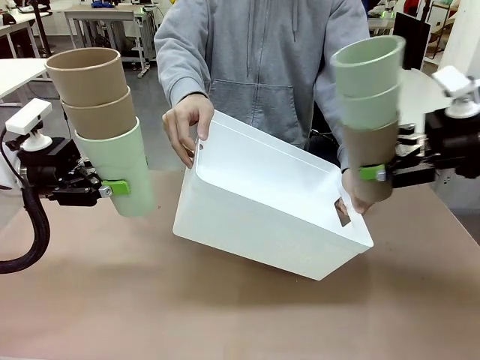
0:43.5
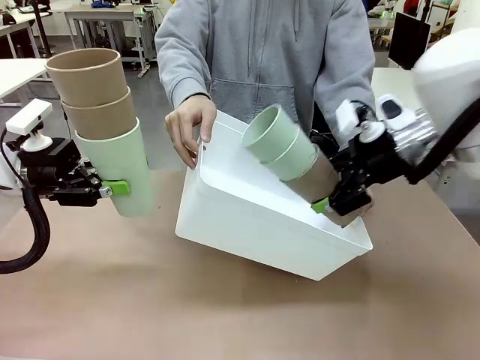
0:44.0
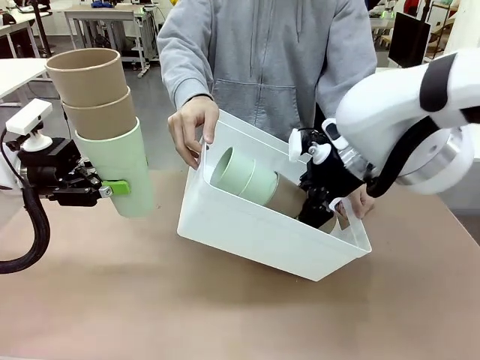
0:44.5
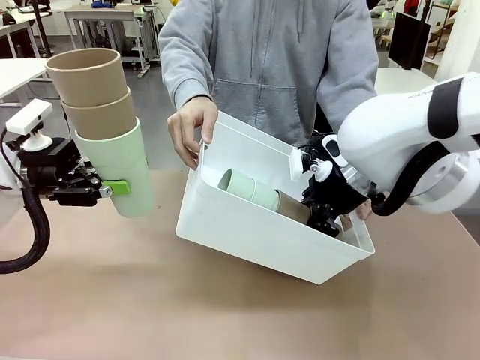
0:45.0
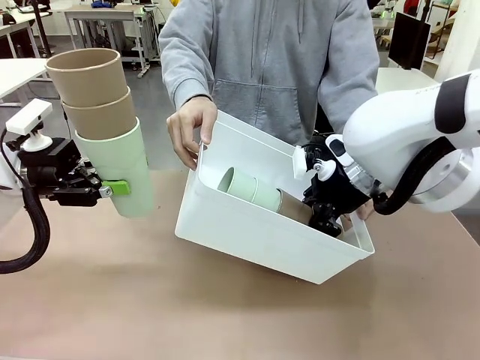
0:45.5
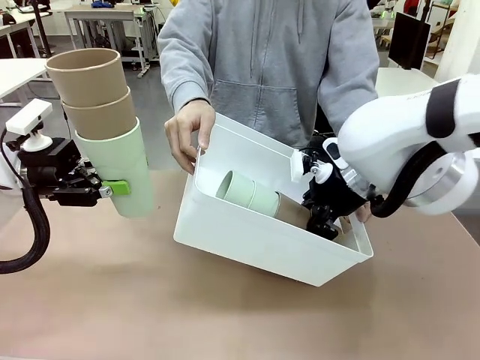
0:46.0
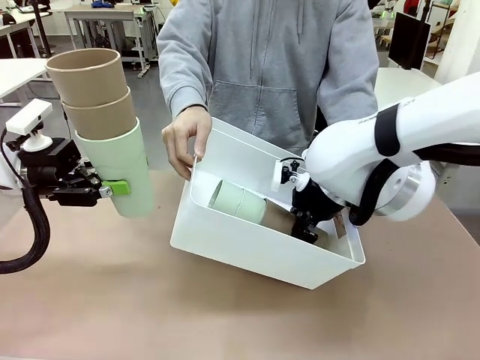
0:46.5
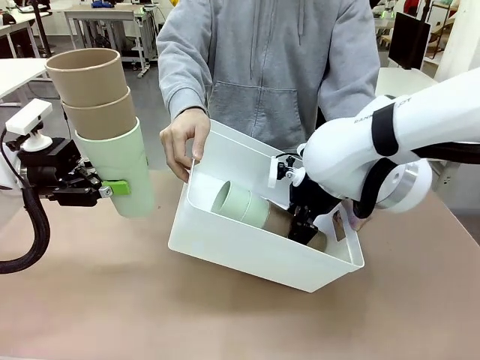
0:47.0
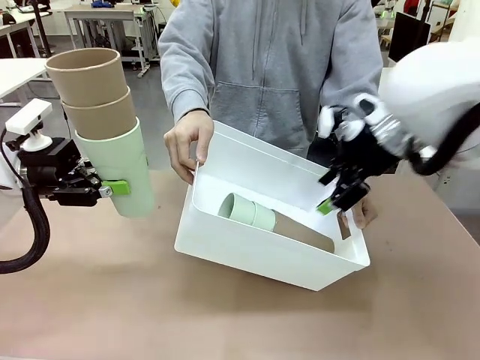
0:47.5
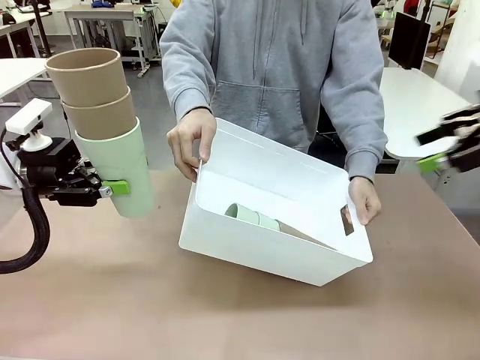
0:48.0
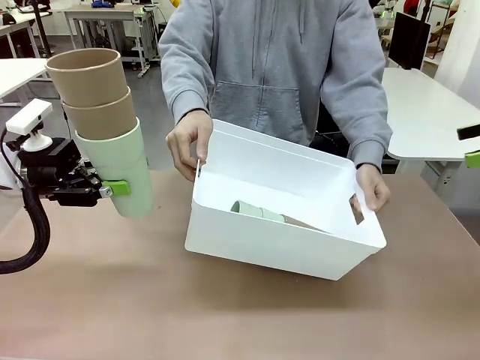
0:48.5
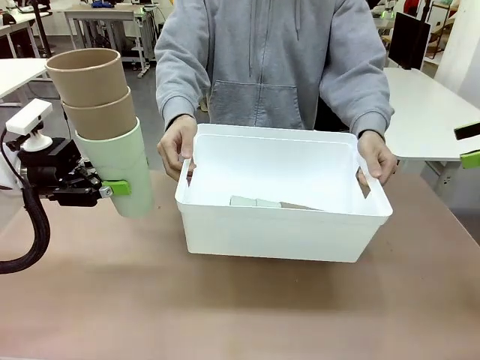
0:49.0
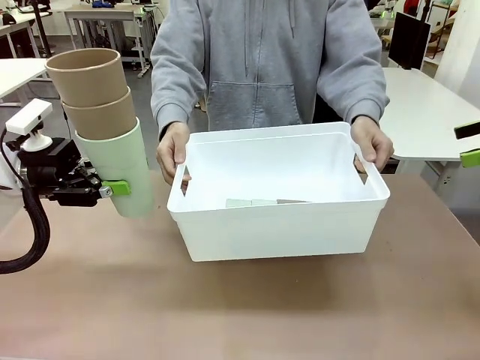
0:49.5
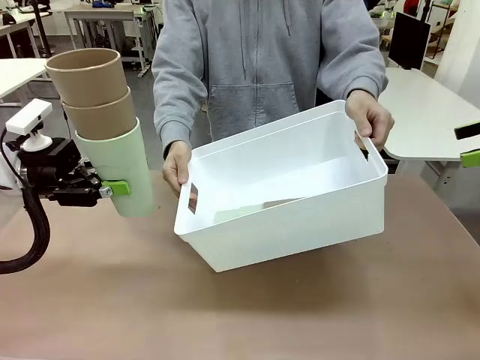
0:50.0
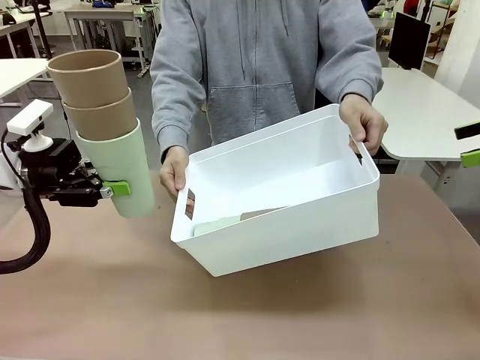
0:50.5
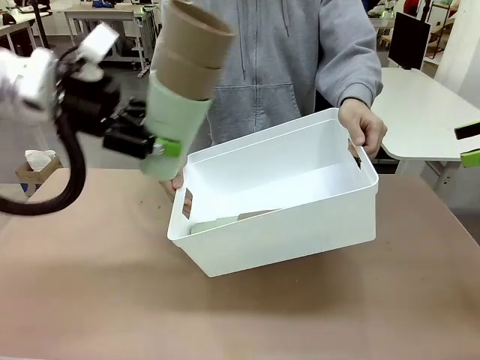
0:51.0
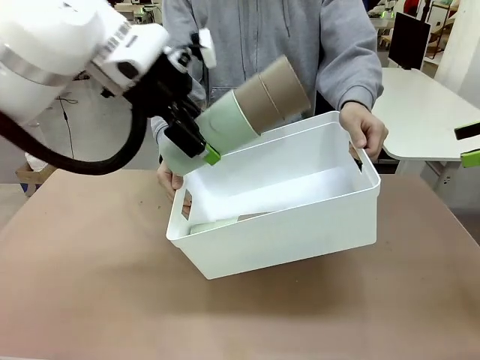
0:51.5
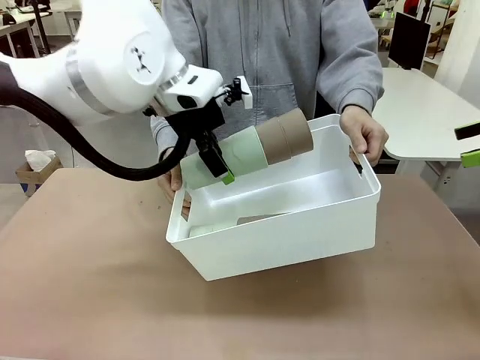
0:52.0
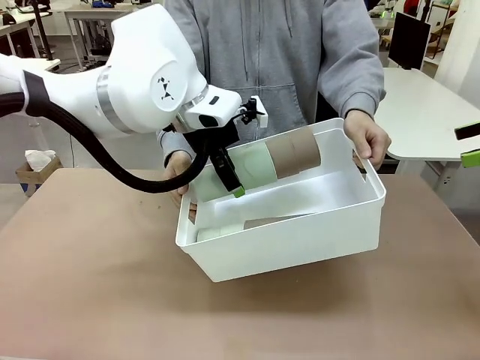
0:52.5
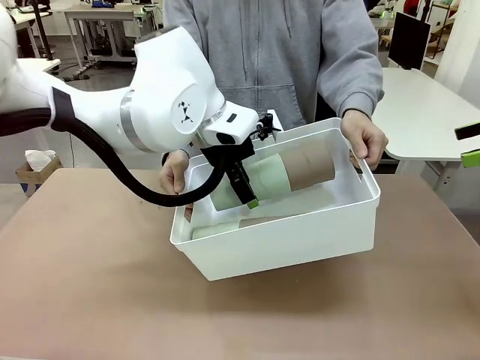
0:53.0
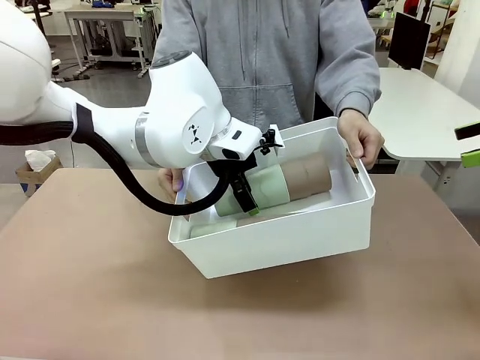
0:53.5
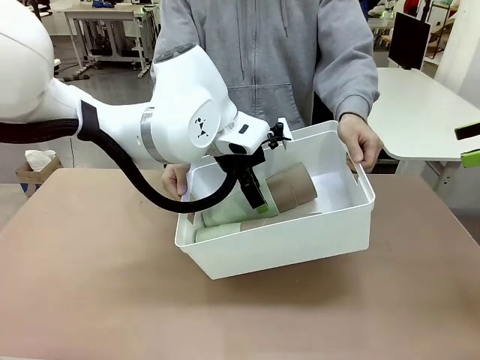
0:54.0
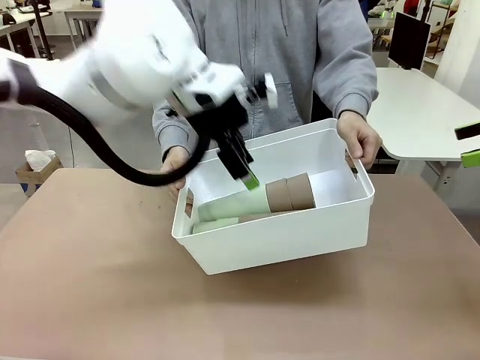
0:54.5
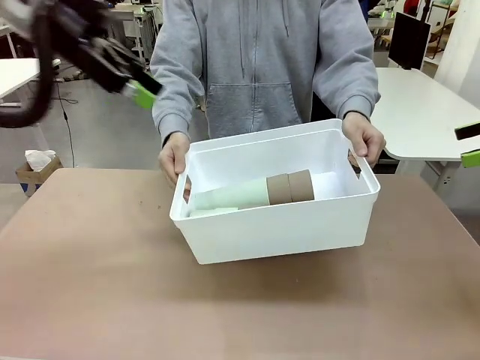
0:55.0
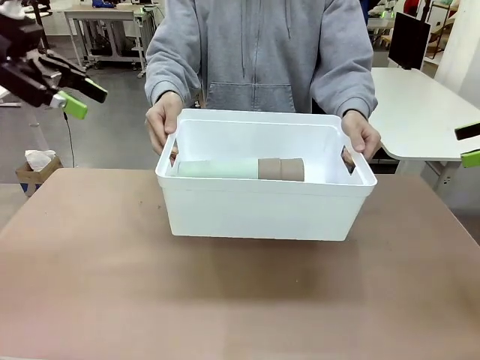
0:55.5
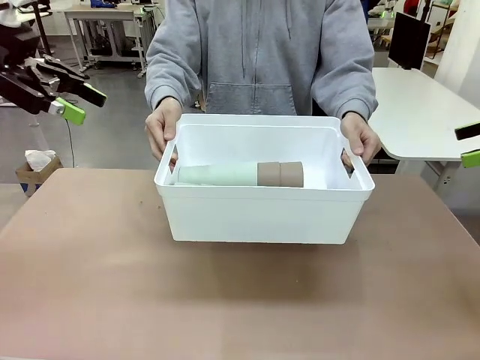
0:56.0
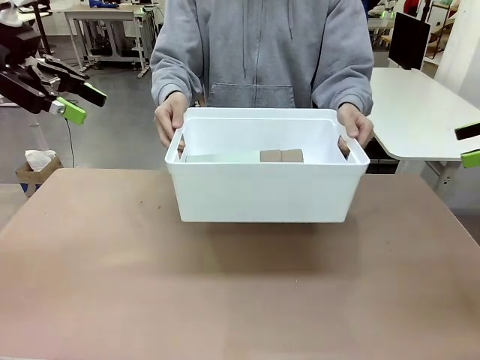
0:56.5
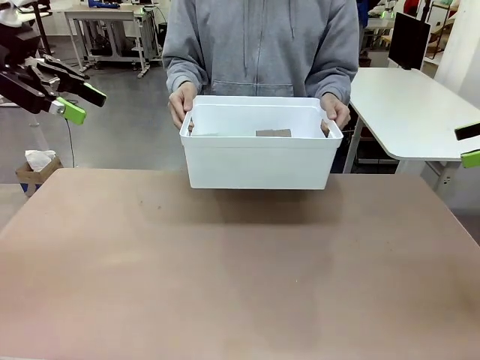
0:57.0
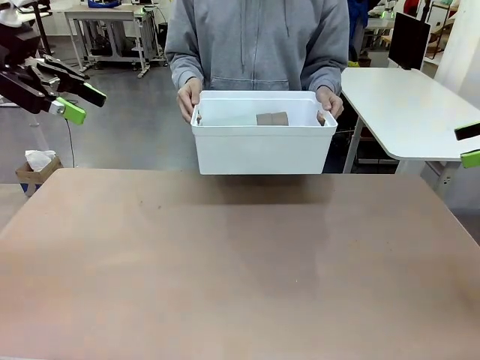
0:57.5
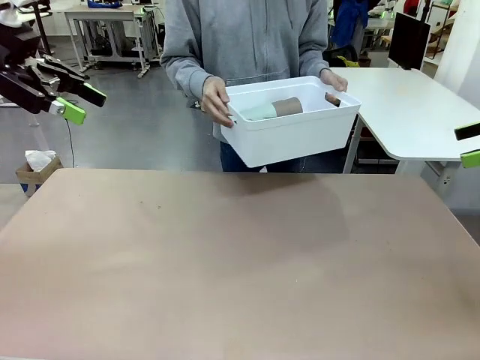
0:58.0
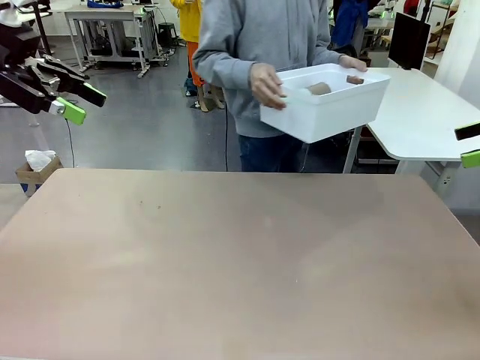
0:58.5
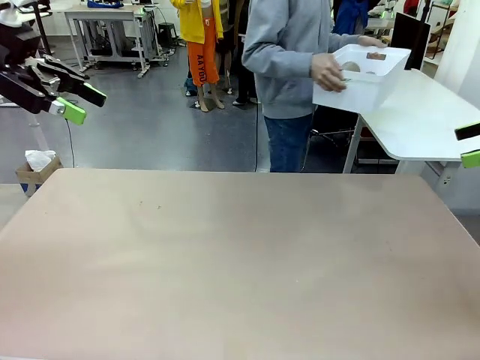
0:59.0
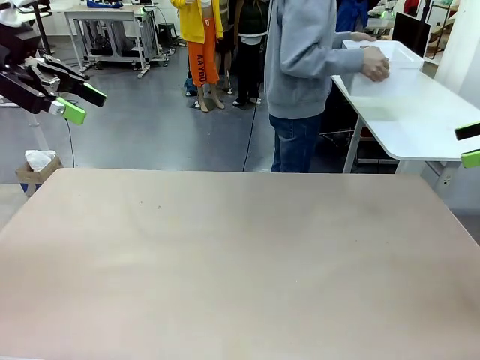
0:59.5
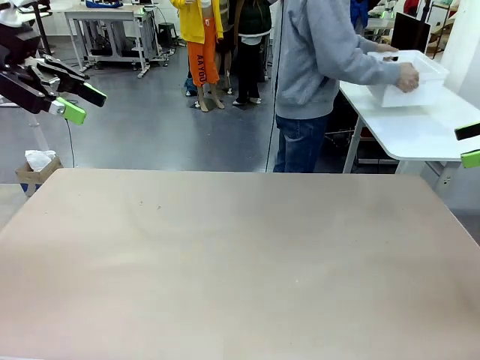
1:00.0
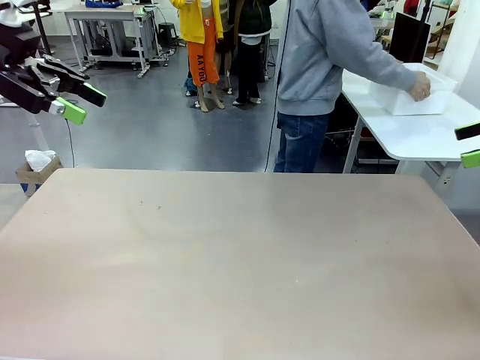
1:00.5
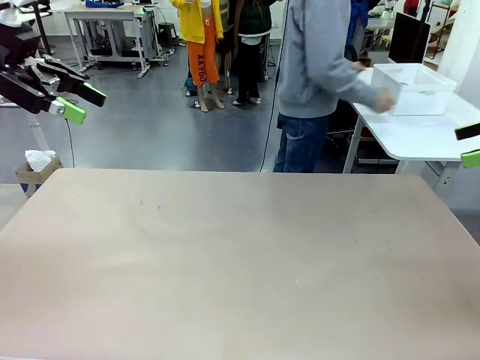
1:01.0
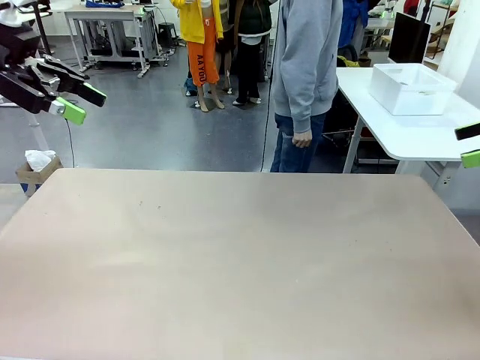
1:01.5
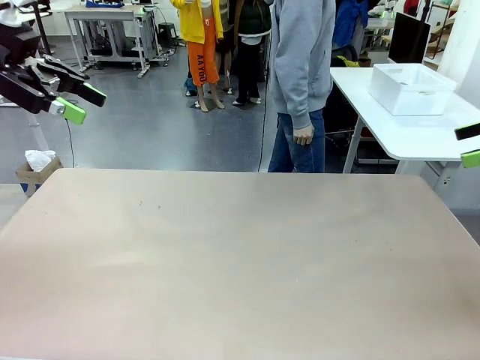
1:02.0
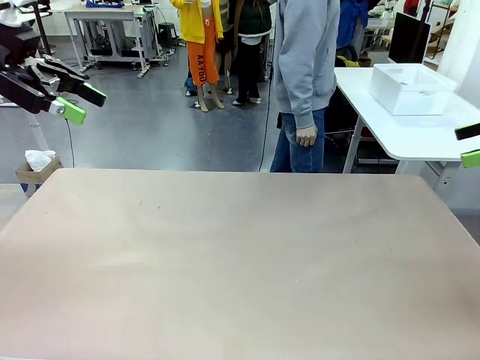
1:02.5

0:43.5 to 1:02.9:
Task: Stack the cups and store them in the basket.
Robot: Place the stack of Reusable plastic cups into the Pantry Basket.
Person: Place the basket containing the cups in the middle of the Human Table.

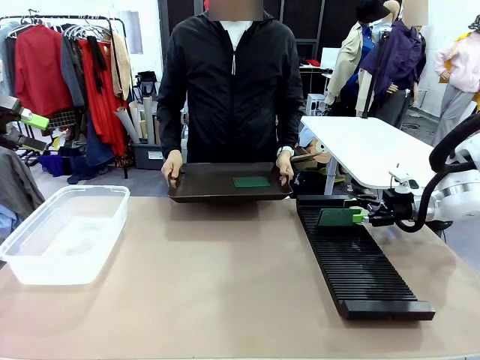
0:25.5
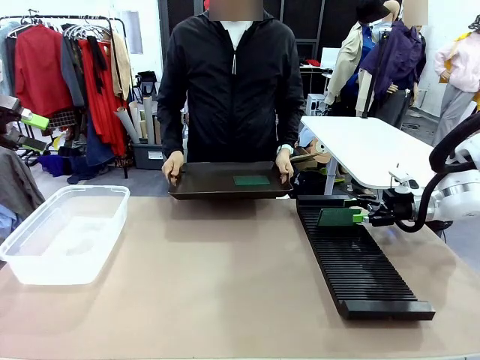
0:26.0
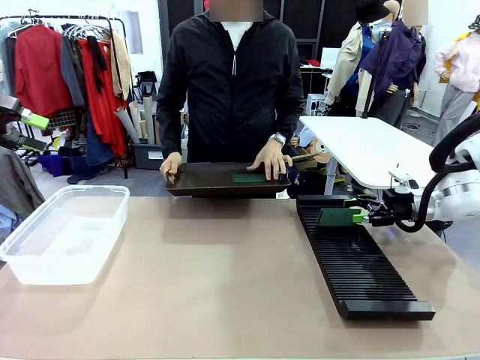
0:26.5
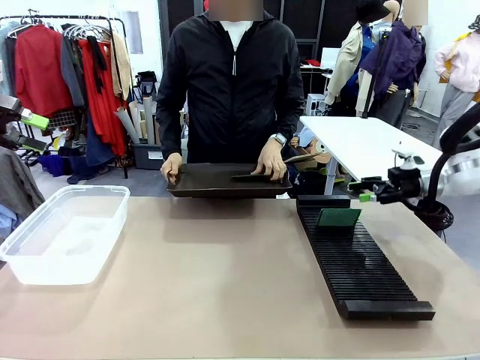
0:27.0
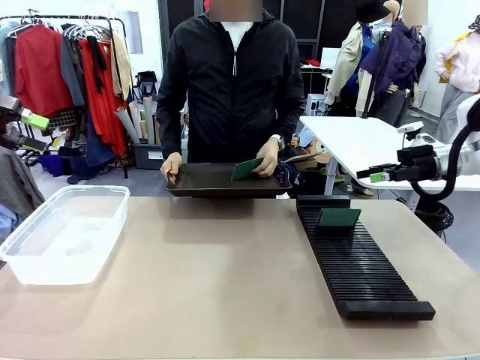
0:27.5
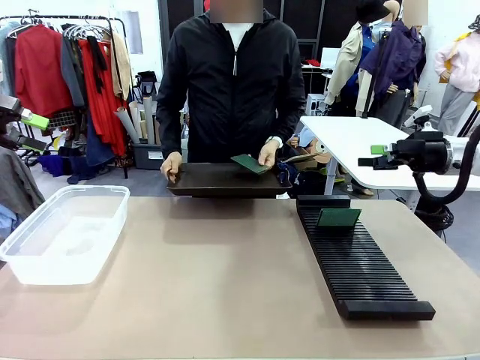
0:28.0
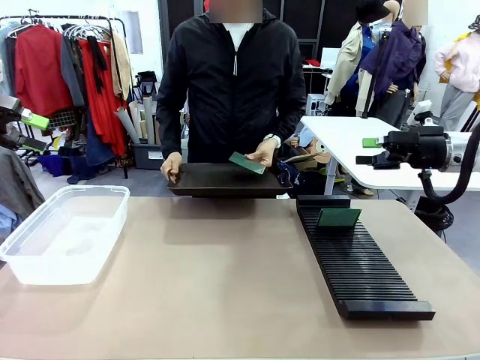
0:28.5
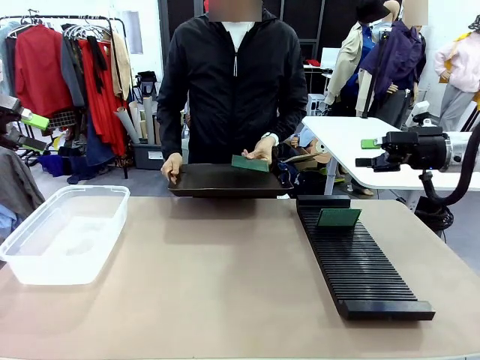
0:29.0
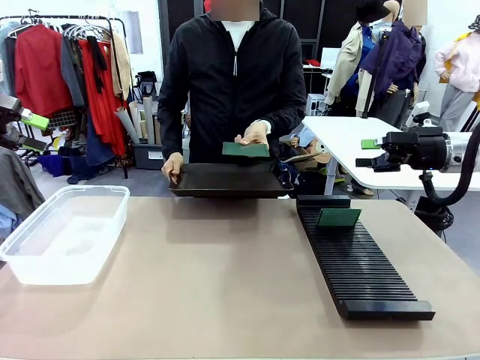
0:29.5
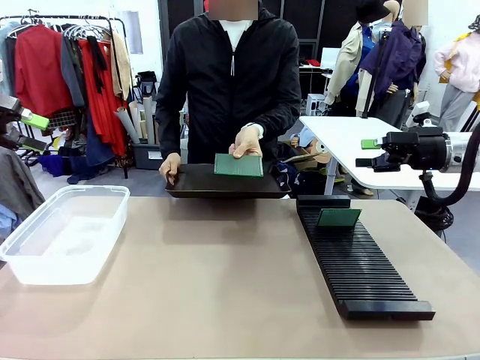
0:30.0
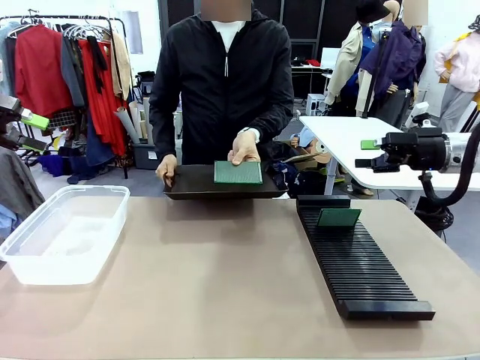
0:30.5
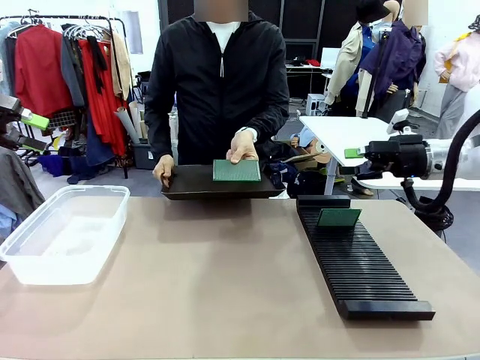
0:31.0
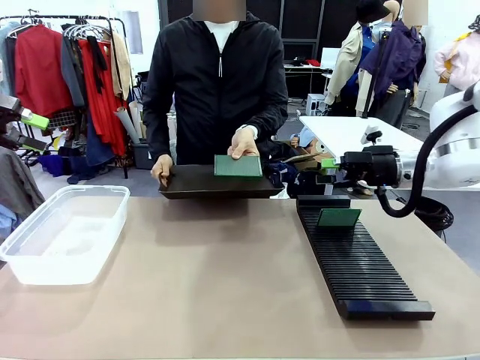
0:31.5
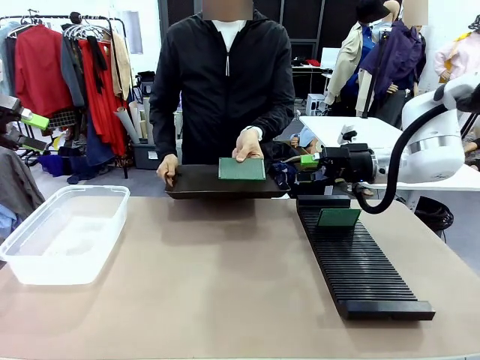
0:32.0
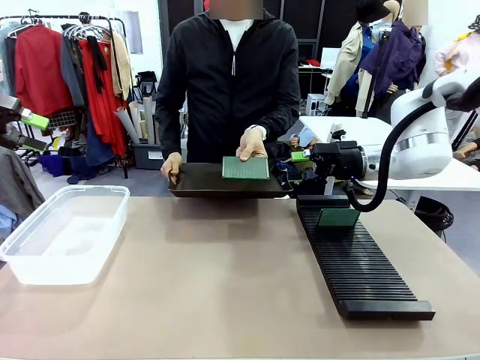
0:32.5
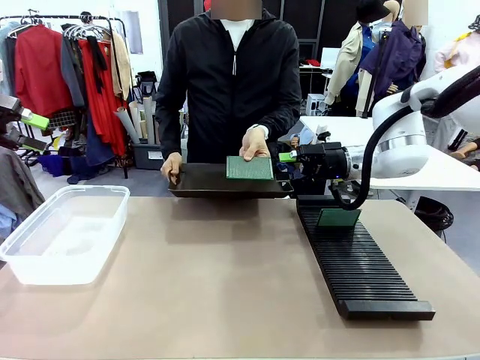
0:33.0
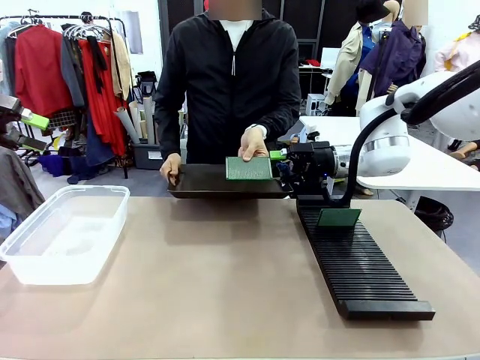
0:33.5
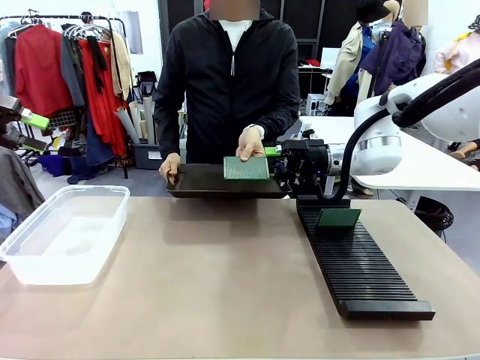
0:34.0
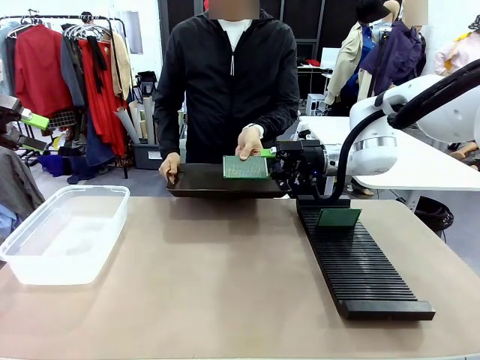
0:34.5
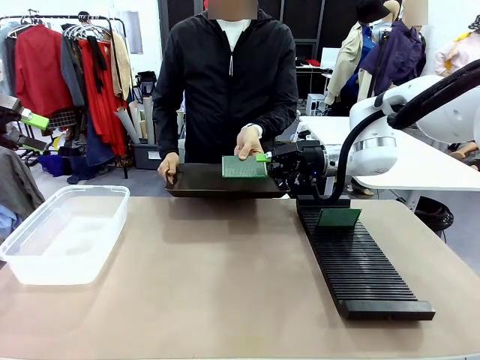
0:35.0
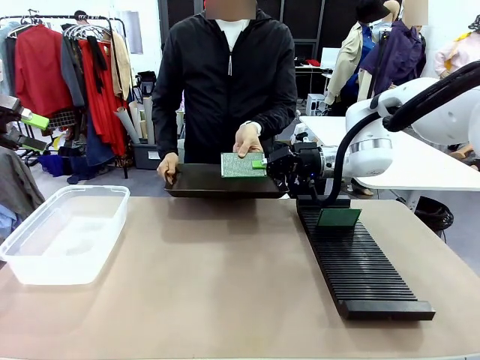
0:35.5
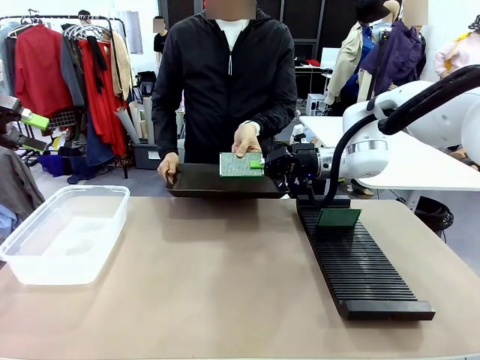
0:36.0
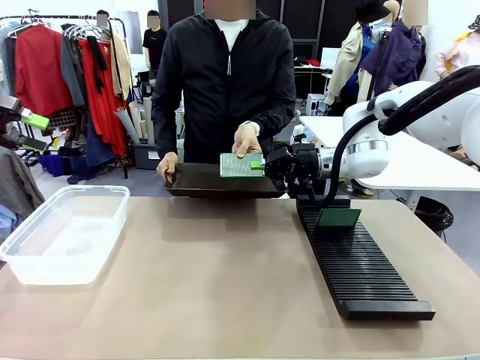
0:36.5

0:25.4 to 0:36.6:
Task: Sort PCBs into racks and boxes based on the side picked up.
Robot: Pick up the Blank PCB handed by the Human.
